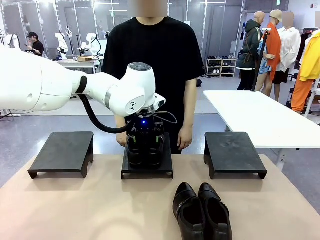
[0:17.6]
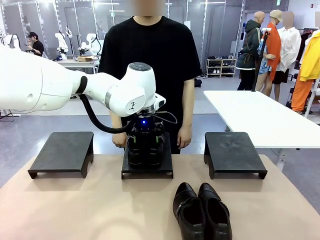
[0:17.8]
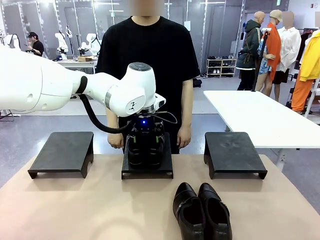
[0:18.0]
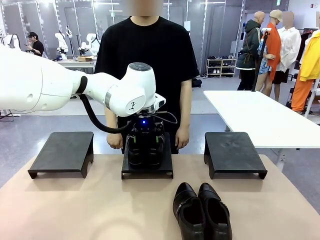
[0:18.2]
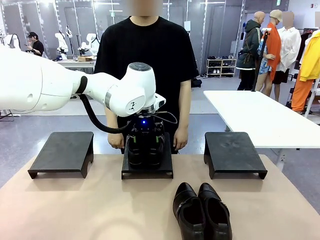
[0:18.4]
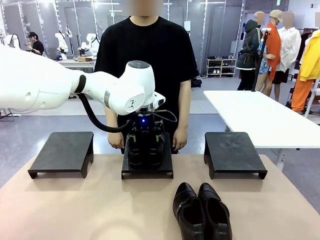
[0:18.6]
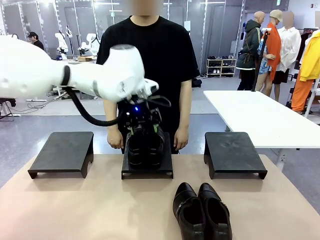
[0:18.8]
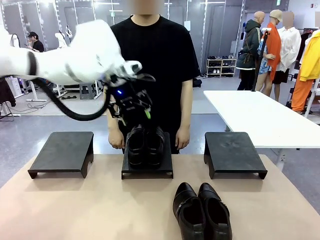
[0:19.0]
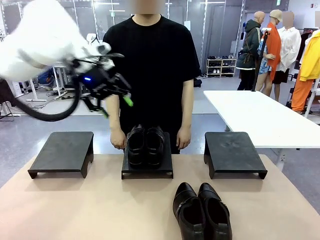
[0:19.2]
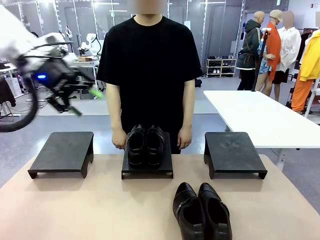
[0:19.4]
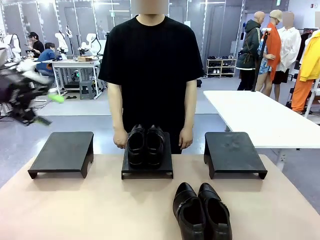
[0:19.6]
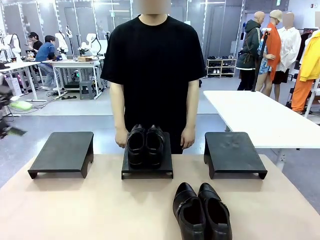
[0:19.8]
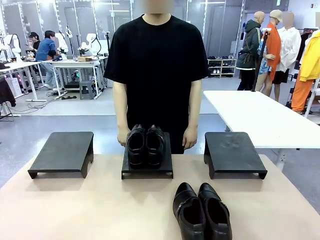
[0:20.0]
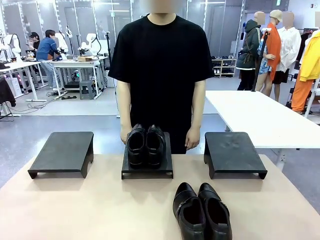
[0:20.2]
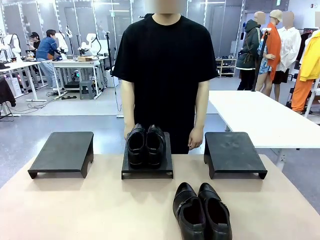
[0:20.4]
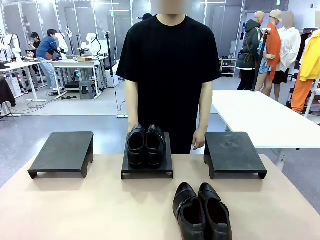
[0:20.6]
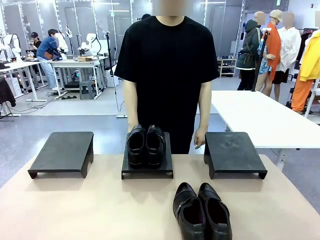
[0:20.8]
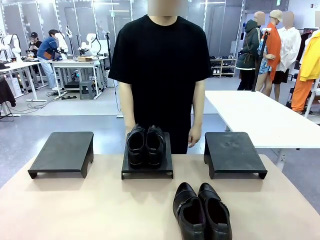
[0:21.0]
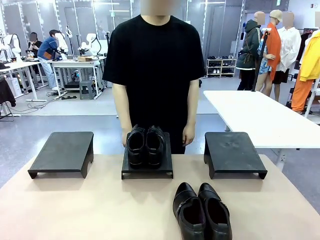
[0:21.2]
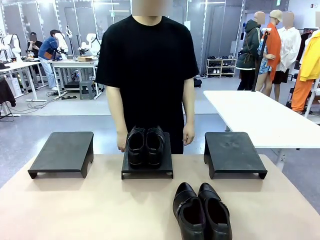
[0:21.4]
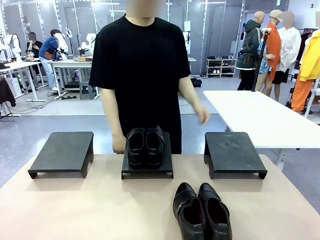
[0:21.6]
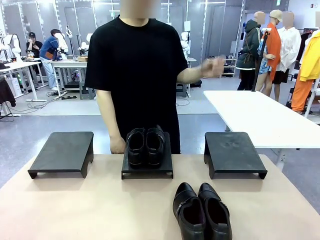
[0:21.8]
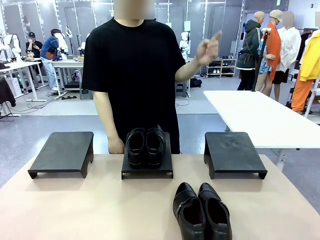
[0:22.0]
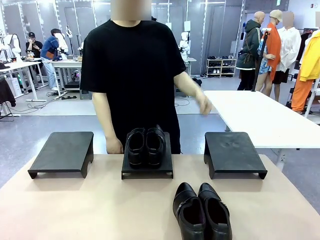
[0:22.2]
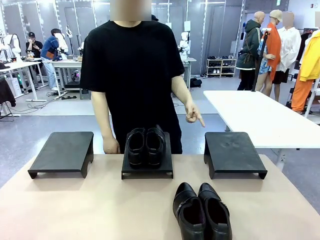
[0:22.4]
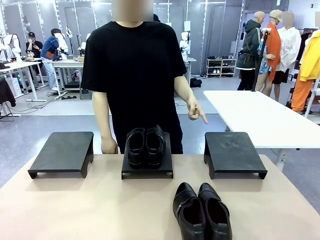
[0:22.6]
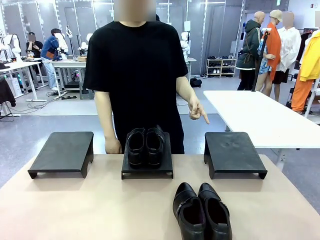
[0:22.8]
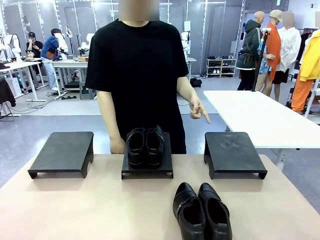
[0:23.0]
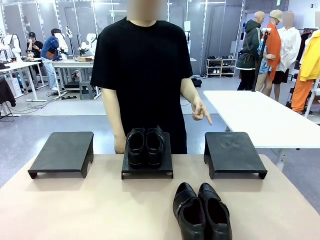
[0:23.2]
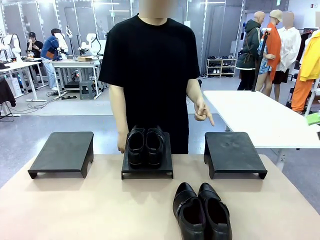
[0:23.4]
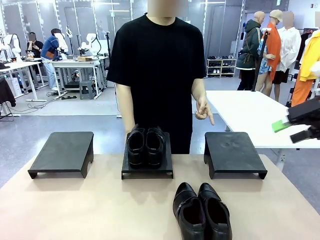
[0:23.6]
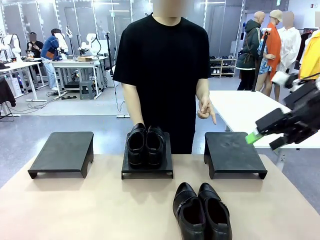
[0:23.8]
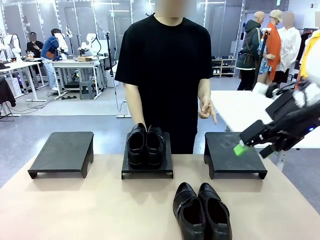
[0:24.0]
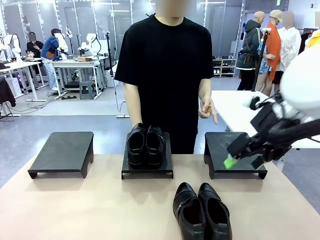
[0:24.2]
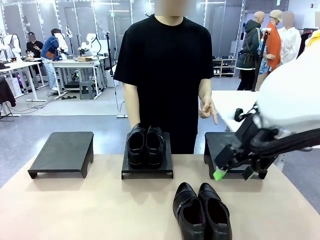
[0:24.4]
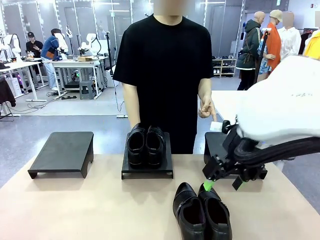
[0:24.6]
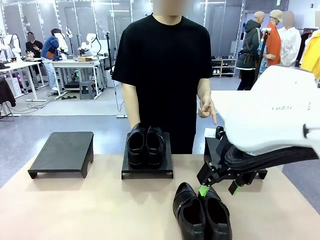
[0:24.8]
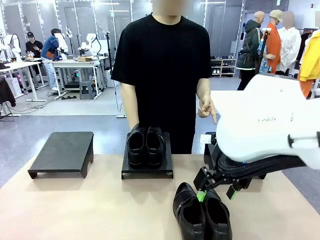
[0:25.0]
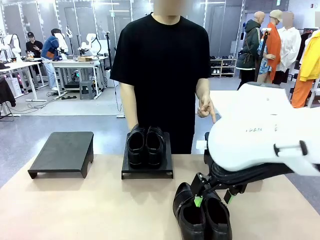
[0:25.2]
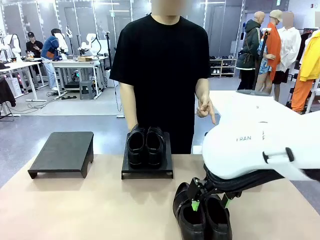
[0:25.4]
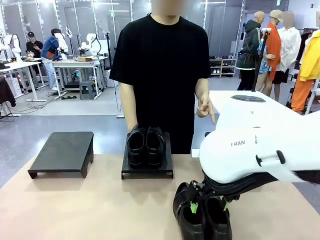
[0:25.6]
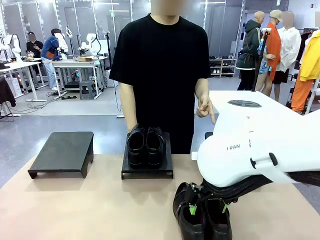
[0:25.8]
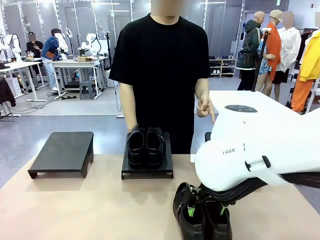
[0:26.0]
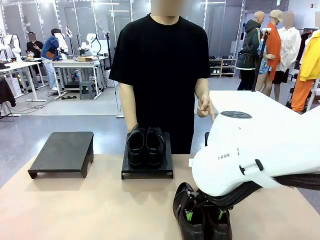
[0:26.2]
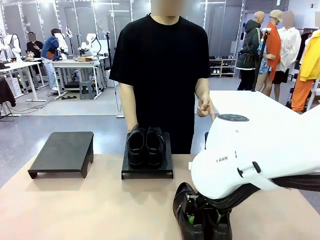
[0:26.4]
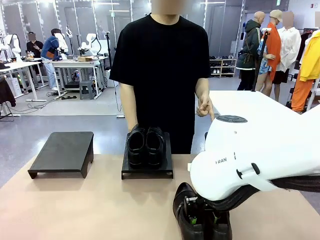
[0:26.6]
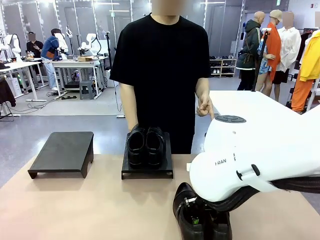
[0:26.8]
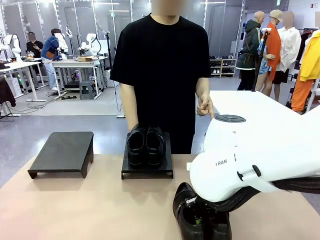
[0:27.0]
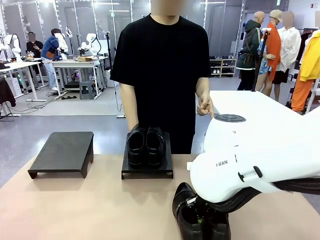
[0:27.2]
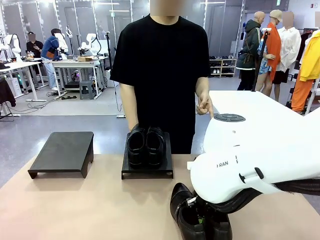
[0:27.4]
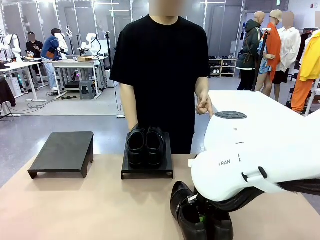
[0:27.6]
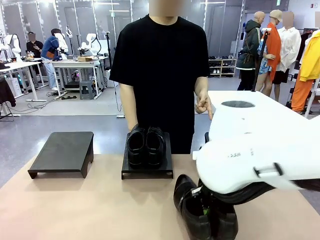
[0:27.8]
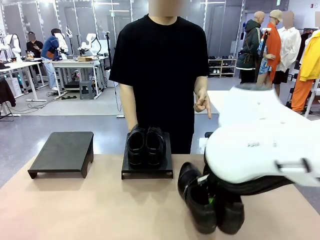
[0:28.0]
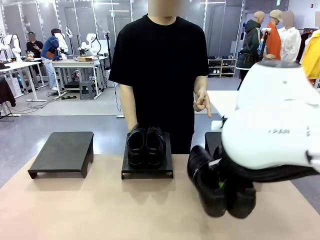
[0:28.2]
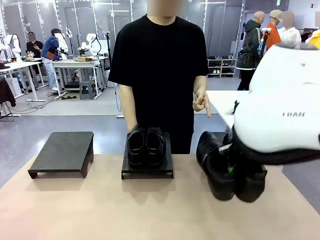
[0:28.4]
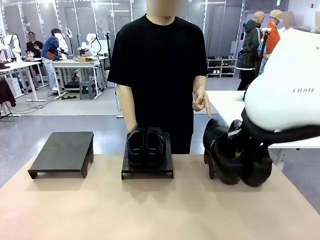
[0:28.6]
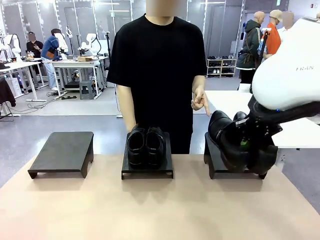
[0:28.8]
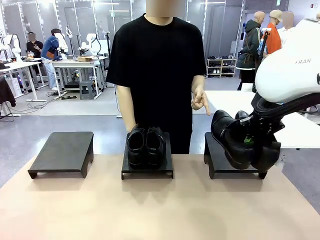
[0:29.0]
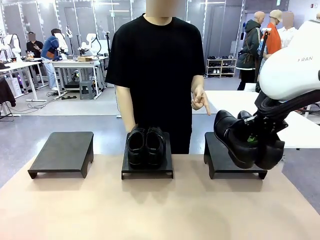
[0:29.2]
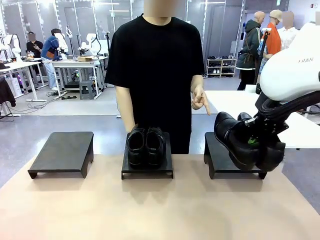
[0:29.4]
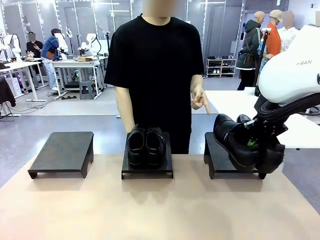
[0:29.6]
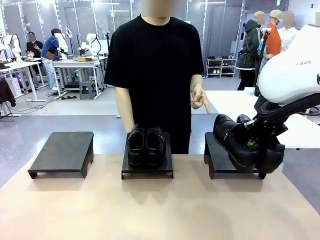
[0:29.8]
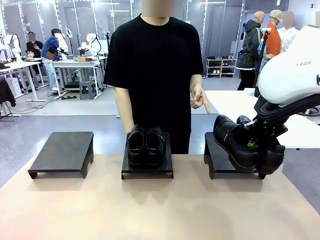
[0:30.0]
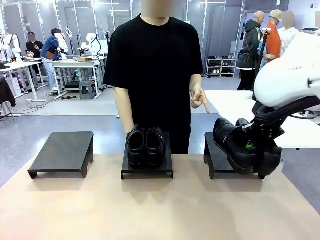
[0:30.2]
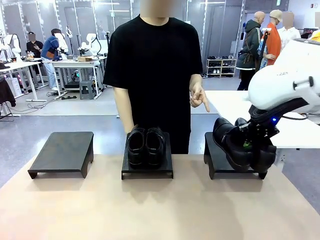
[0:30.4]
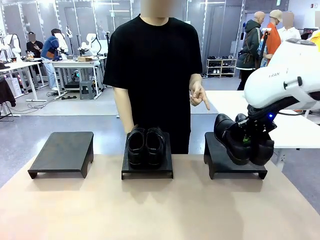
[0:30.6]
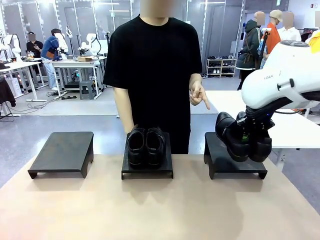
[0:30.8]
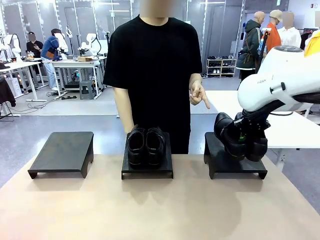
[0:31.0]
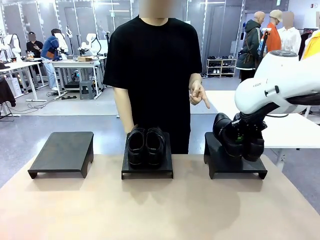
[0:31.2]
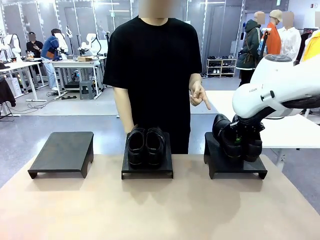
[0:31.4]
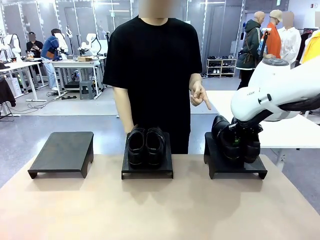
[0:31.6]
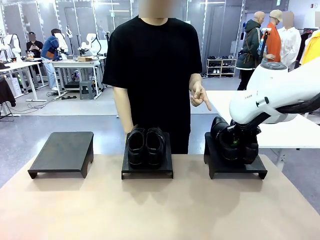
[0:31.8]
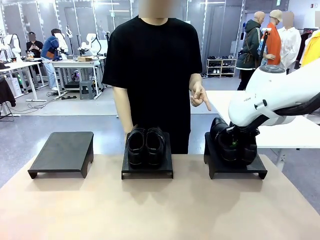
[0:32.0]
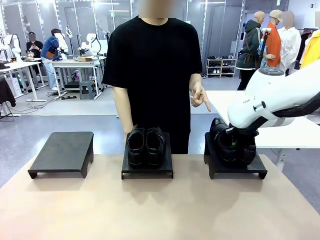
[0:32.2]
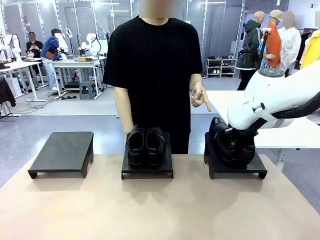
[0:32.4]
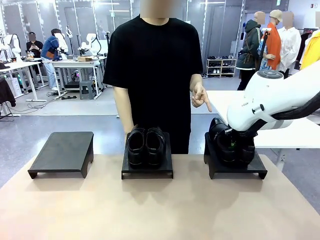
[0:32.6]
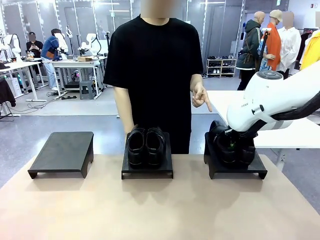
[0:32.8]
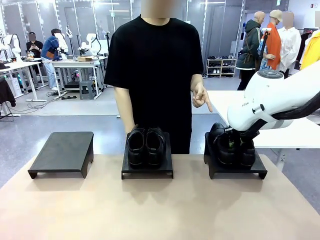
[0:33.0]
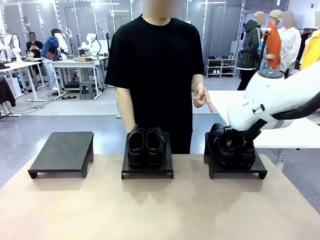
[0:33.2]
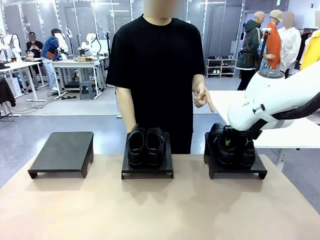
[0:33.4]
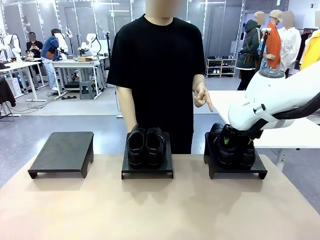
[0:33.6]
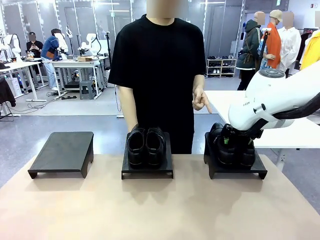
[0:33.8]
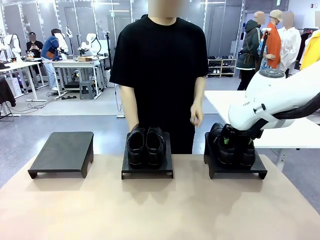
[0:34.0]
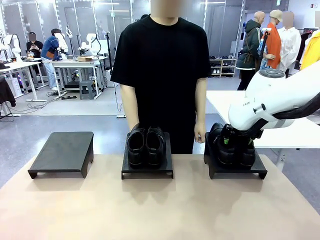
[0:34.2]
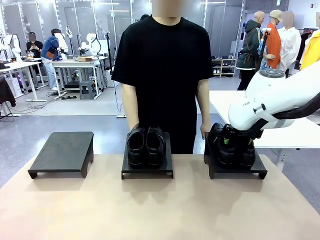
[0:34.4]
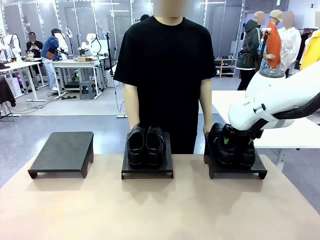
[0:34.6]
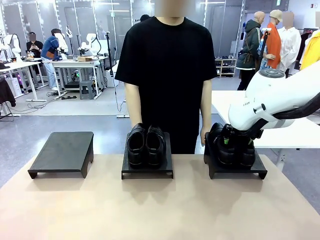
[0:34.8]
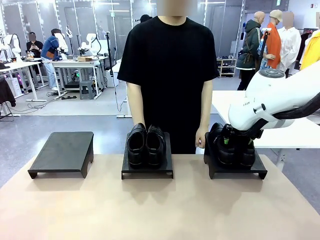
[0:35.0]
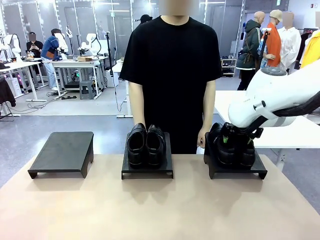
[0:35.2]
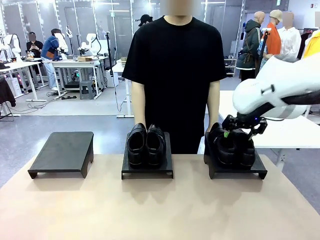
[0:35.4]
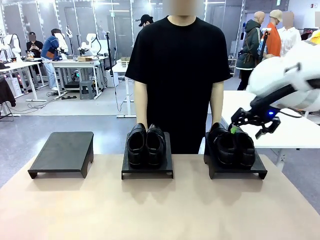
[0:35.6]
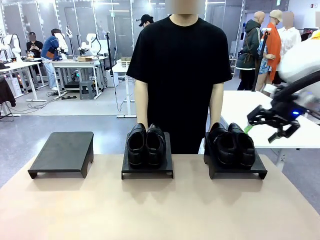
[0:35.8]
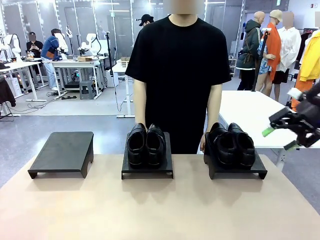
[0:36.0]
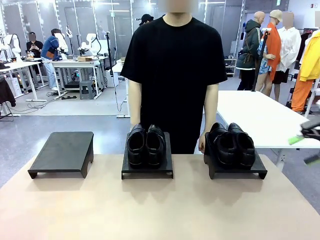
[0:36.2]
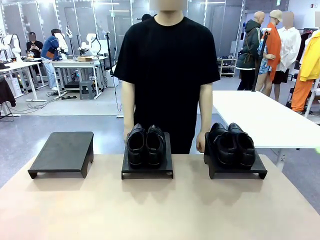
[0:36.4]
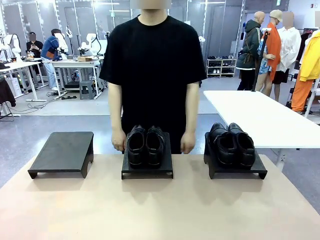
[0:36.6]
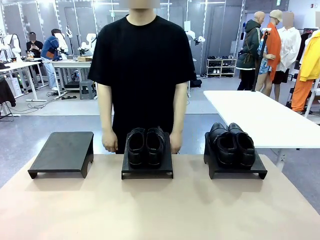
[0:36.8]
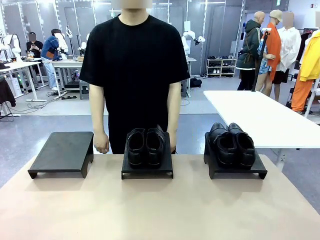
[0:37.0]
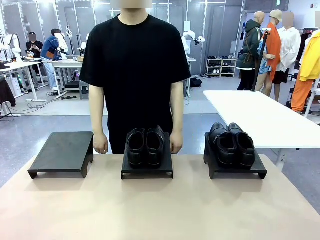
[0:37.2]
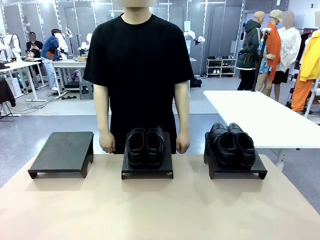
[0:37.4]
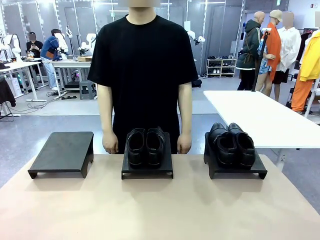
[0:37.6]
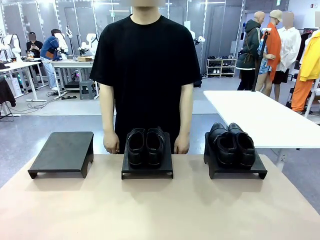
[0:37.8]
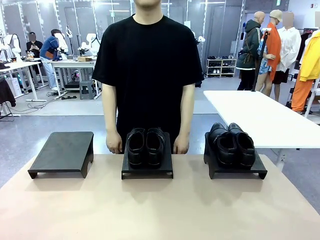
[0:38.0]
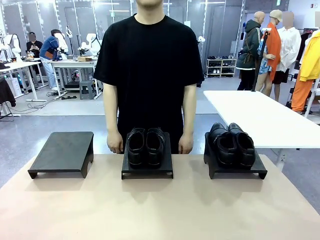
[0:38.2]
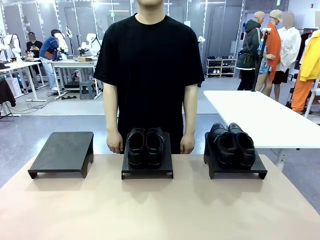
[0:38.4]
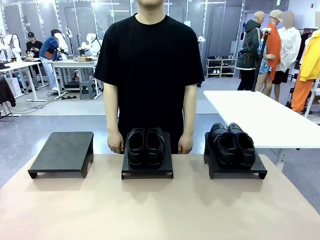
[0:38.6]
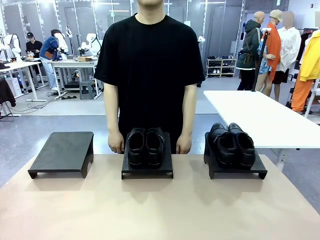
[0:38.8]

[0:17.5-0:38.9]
Task: Place the shoes on the stand as instructed by the person.
Robot: Pick up another pair of Shoes and place it on the Shoes Stand indicated by the person.
Person: Point to one Shoes Stand.
